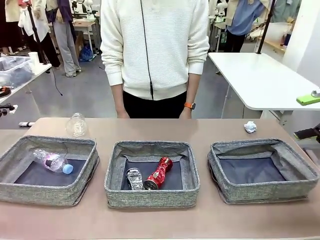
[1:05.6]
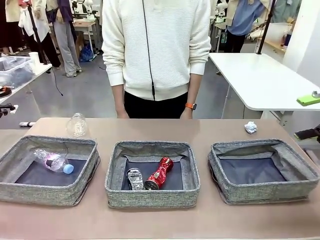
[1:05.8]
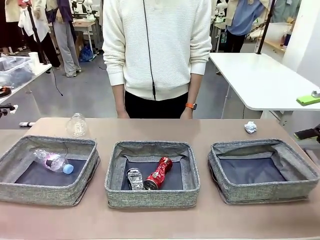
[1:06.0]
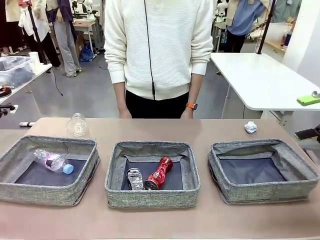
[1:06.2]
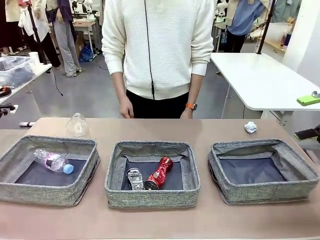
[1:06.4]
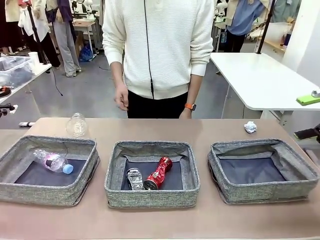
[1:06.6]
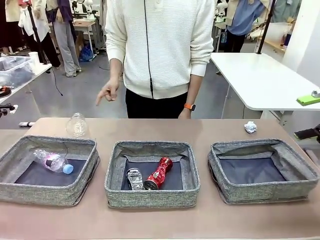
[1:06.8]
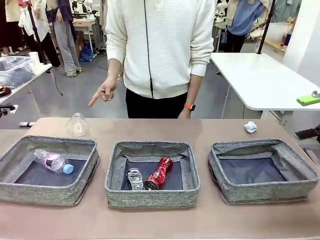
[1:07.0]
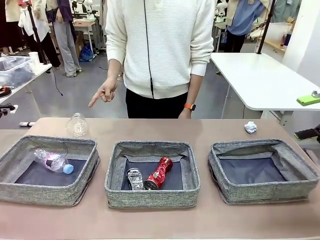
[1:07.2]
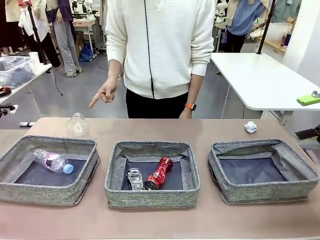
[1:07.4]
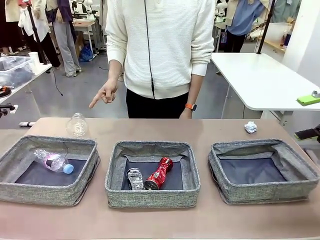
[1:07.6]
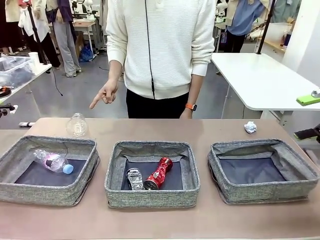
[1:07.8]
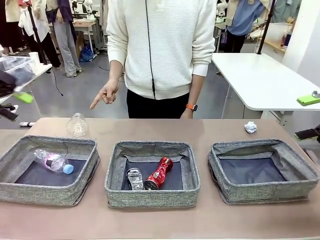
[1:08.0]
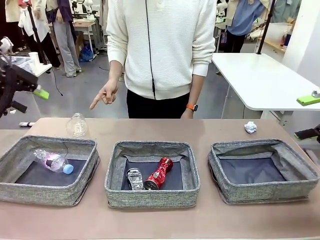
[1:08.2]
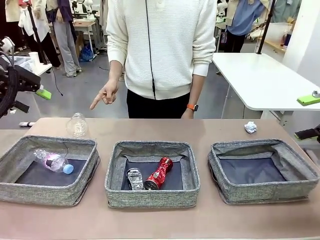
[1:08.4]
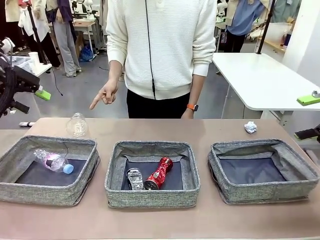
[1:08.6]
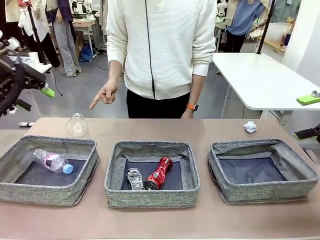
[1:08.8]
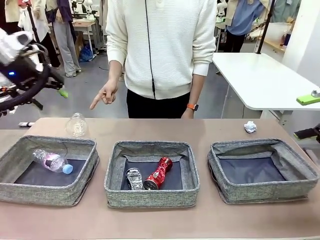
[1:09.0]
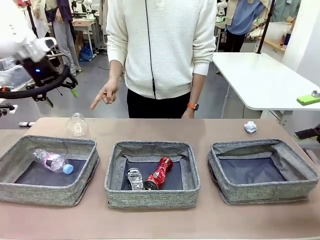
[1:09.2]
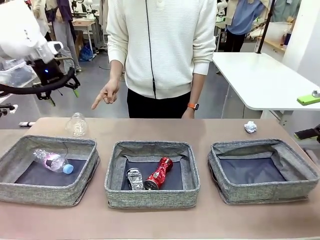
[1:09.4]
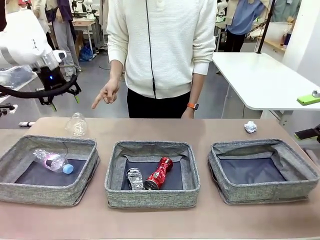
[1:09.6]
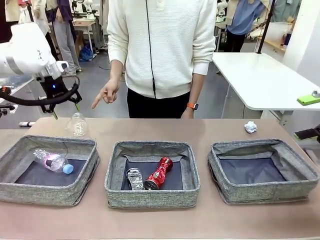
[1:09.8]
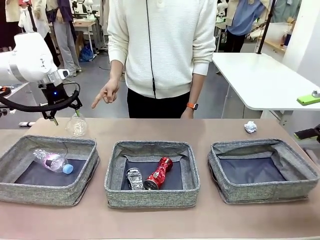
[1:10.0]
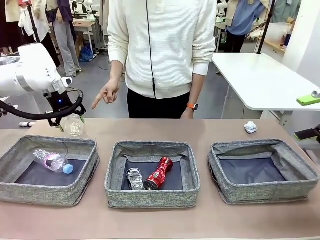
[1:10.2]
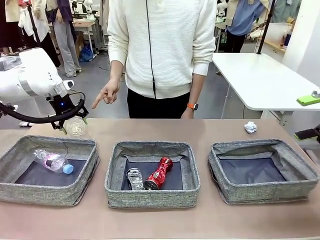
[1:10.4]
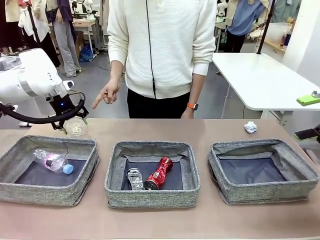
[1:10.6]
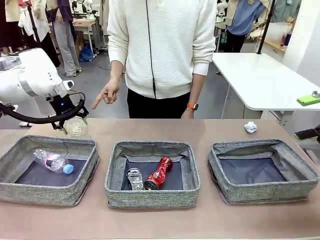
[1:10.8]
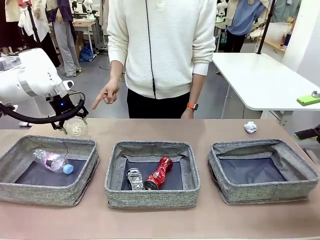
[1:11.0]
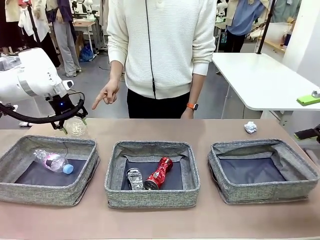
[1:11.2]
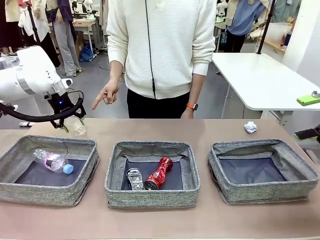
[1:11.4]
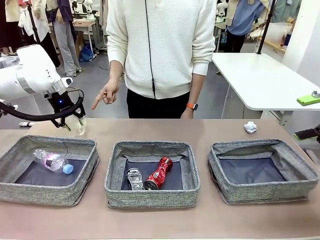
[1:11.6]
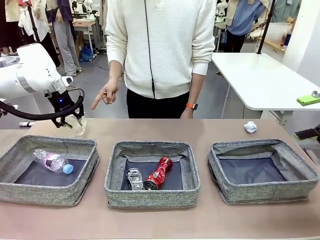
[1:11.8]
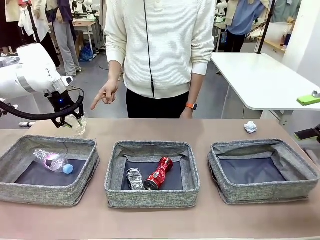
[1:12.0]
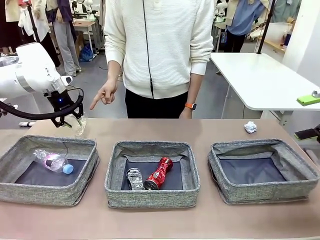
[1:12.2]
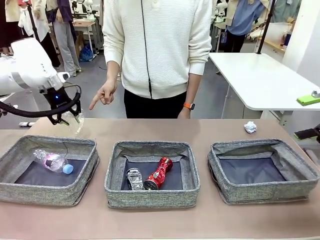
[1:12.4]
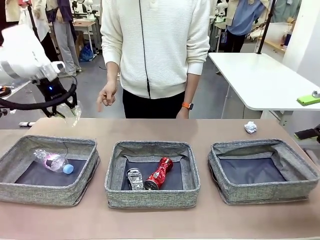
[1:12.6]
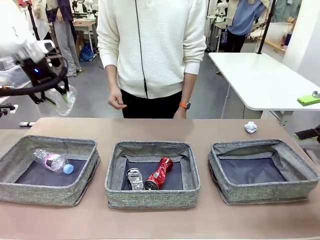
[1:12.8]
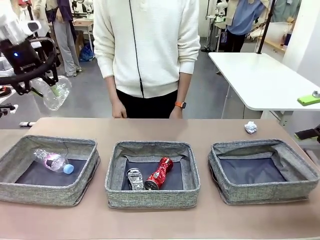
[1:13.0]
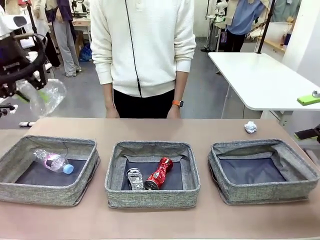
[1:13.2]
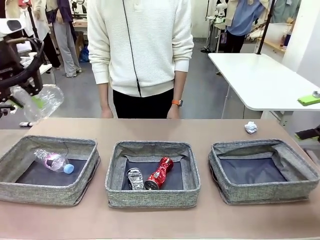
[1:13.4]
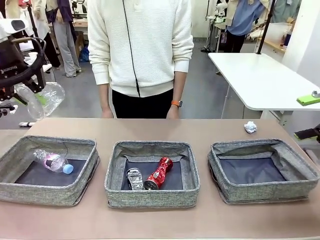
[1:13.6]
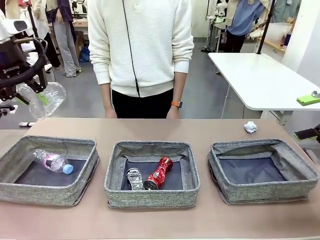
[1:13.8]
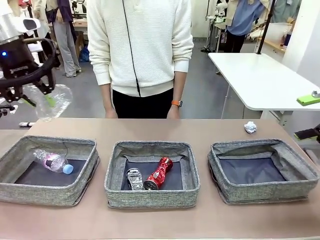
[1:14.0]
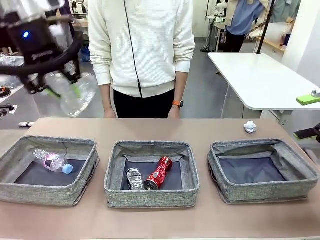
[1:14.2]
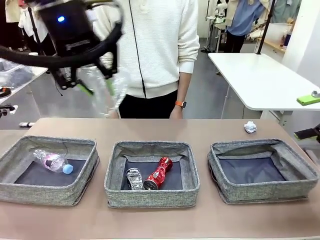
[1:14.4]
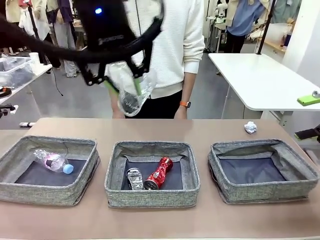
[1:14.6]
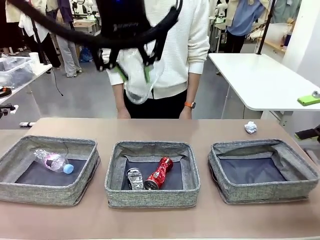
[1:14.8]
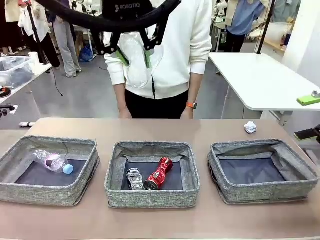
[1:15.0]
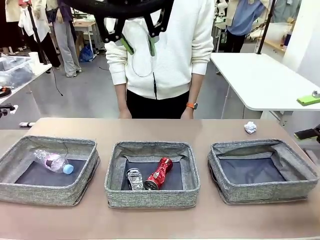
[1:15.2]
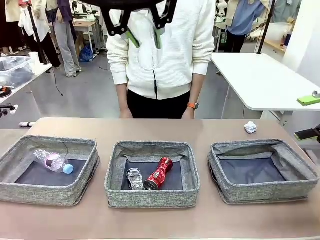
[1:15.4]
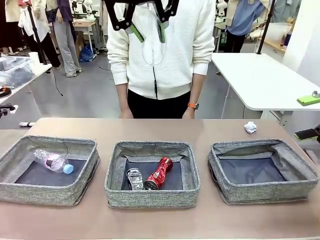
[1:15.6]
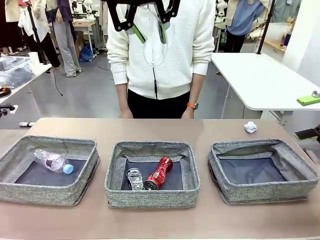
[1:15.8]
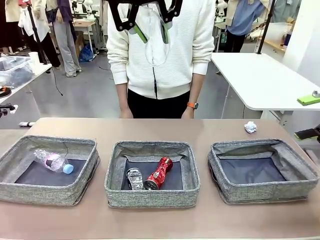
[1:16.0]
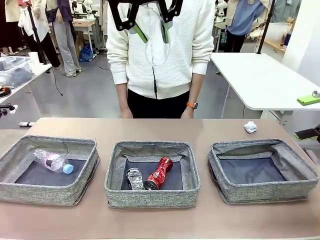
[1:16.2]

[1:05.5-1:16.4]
Task: Sort the waste into the appropriate baskets.
Robot: Pick up the waste item pointed out by the person.
Person: Points to one piece of trash on the table.

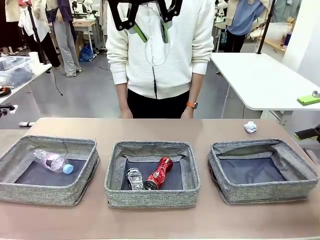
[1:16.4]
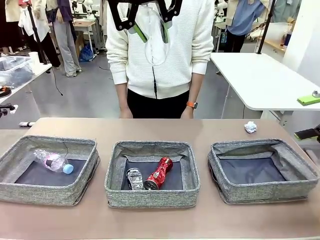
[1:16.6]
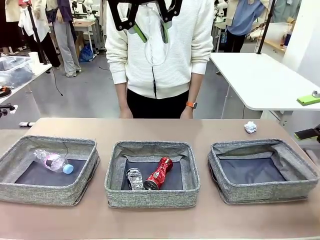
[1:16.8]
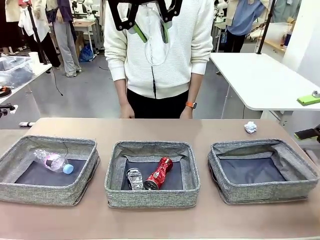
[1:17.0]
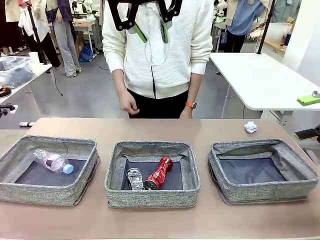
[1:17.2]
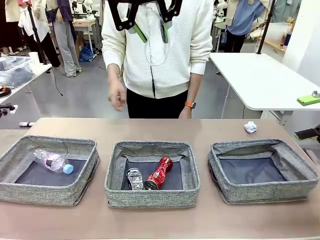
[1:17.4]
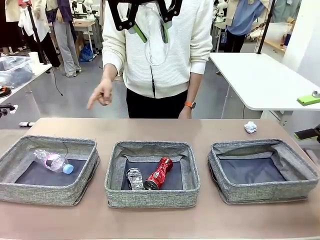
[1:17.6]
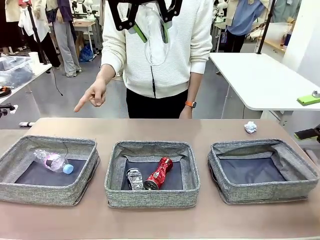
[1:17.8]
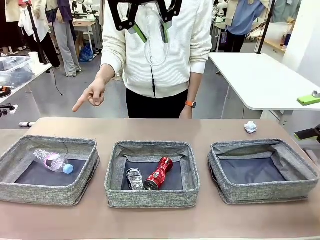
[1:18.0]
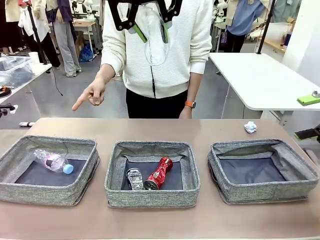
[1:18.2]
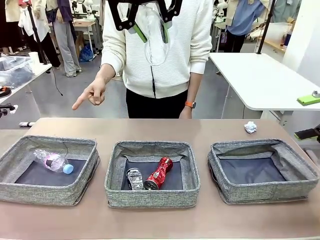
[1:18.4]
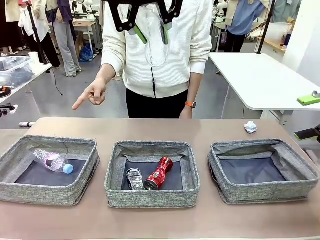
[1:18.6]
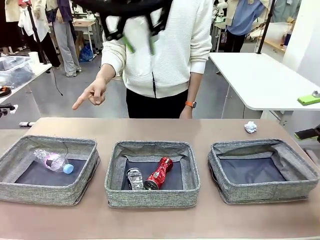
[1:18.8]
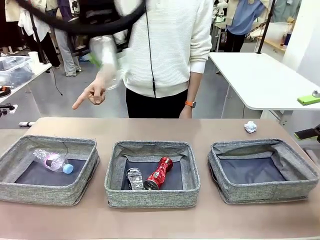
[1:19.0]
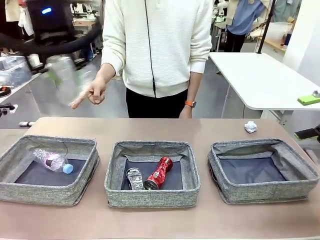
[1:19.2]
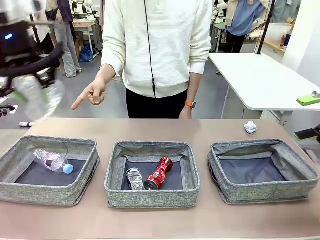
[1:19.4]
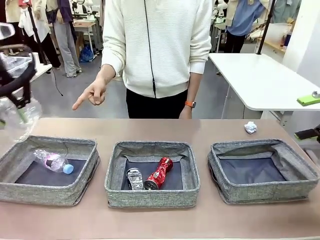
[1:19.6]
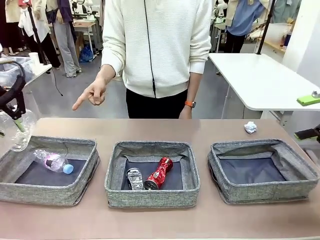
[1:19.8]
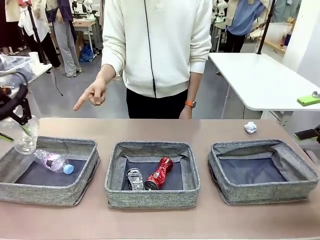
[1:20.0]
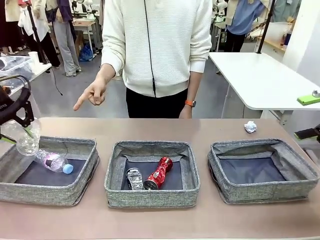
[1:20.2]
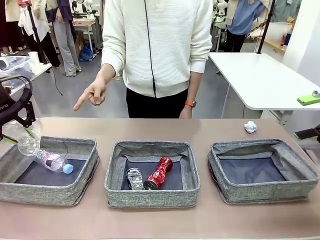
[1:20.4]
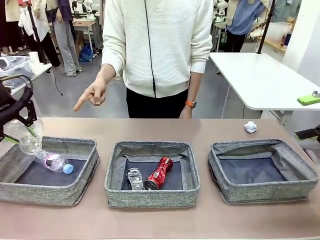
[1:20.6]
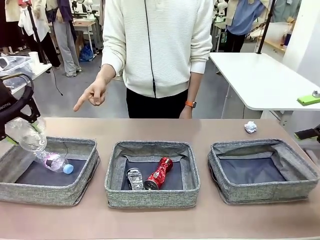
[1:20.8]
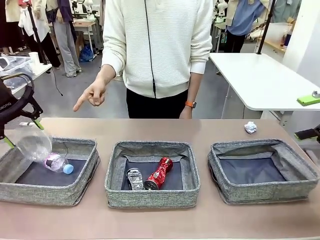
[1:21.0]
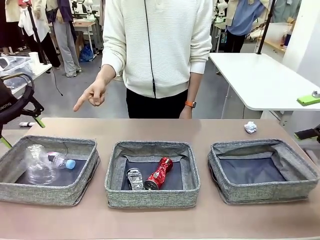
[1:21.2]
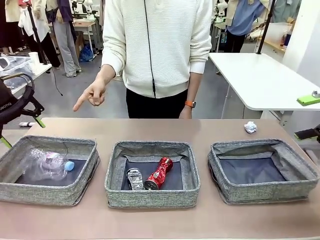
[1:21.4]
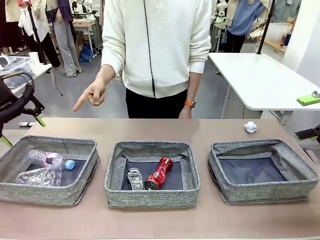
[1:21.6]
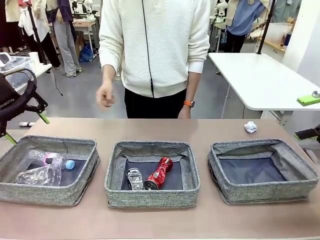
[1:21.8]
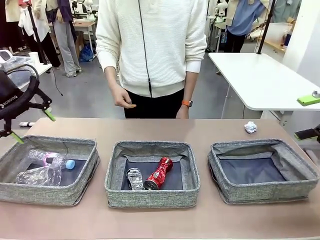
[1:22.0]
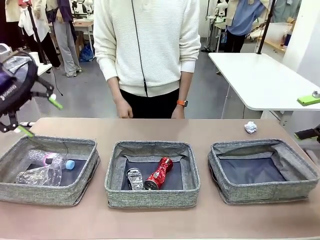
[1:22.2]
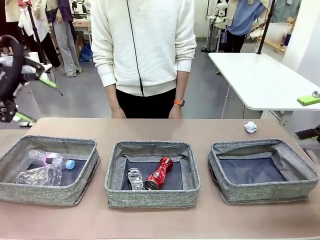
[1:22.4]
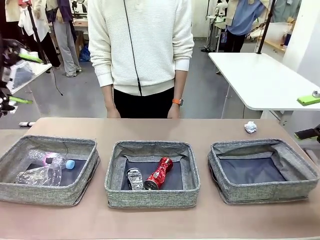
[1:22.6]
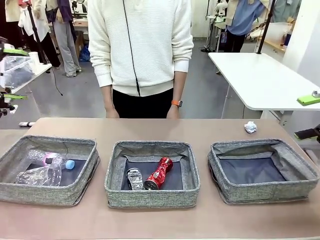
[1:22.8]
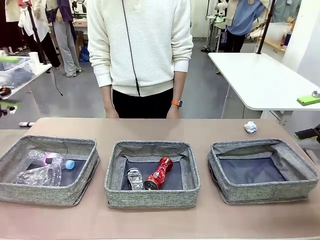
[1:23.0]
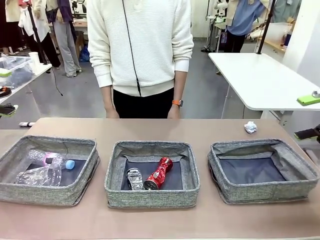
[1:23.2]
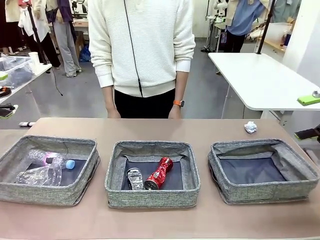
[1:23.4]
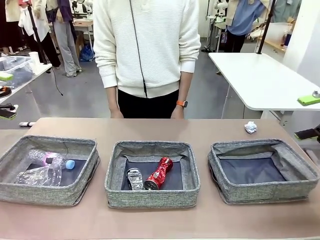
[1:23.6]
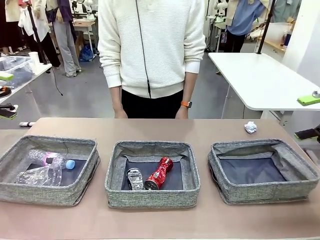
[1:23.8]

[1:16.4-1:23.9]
Robot: Place the picked waste into the Fabric basket indicated by the person.
Person: Instructs the robot to place the picked-up trash into the appropriate organizing basket.
